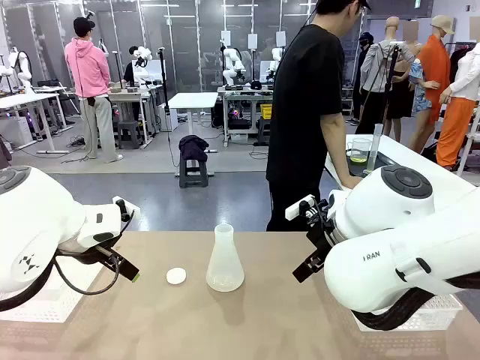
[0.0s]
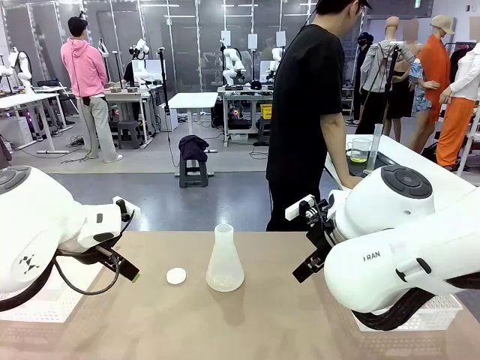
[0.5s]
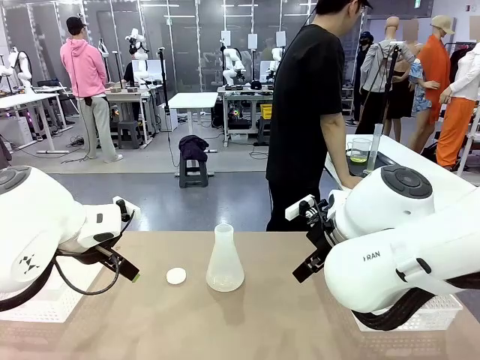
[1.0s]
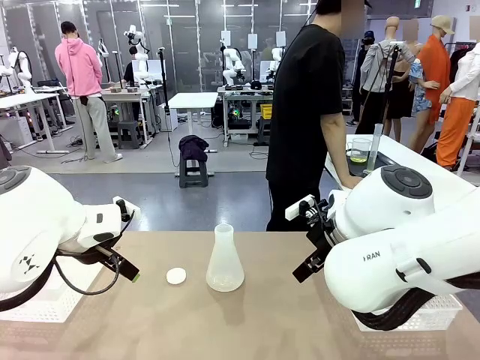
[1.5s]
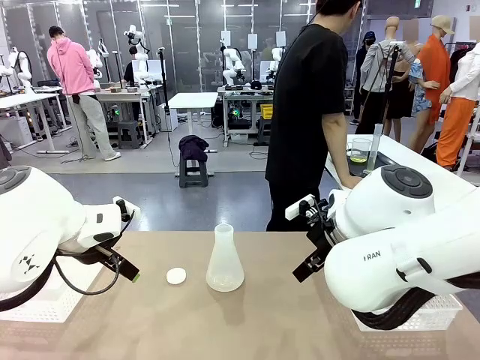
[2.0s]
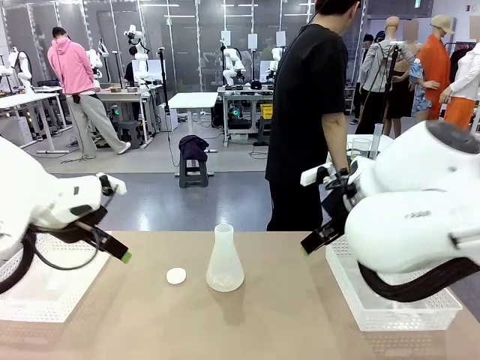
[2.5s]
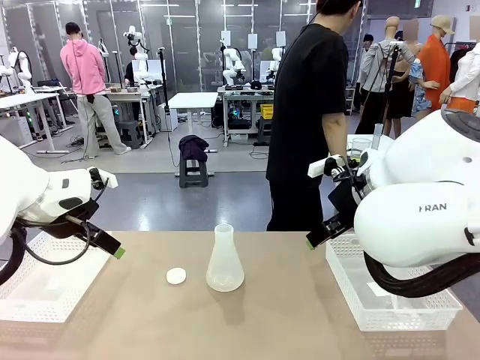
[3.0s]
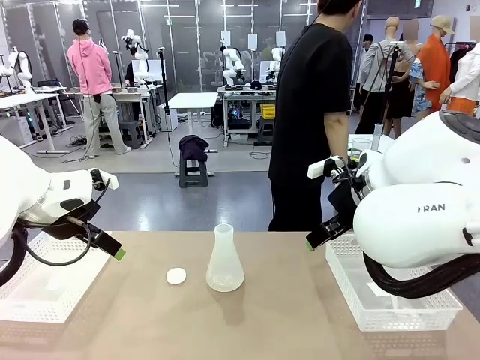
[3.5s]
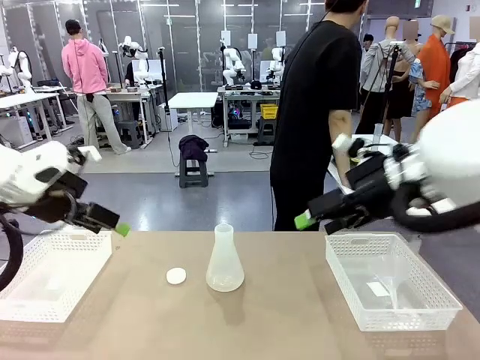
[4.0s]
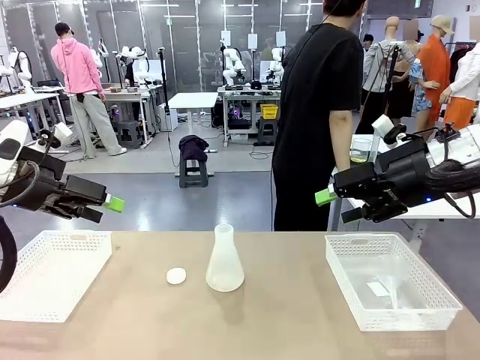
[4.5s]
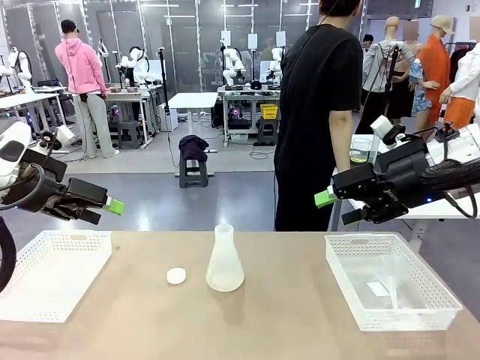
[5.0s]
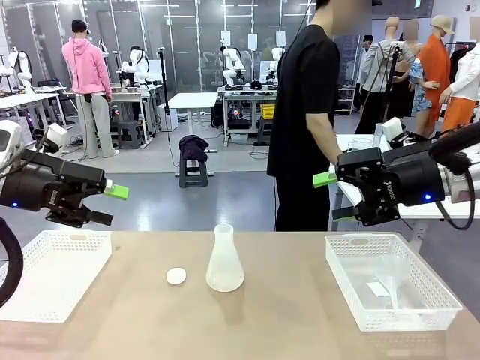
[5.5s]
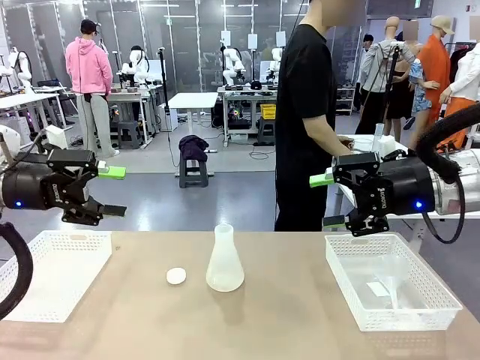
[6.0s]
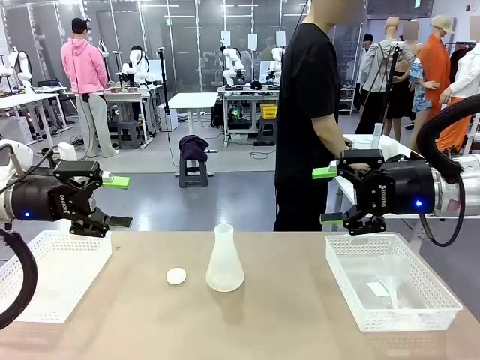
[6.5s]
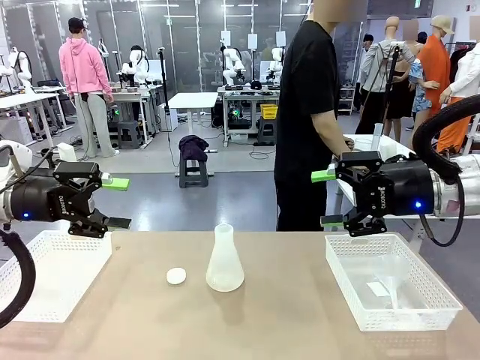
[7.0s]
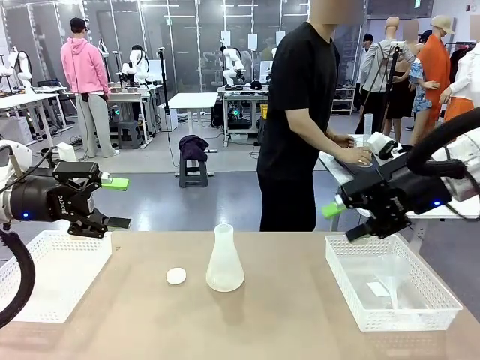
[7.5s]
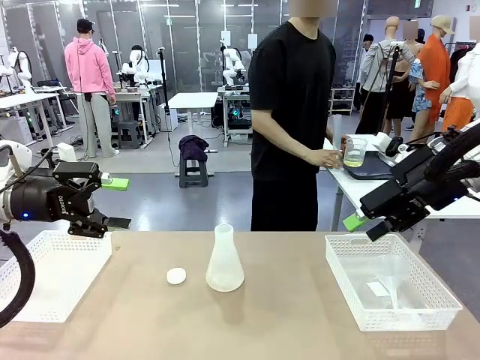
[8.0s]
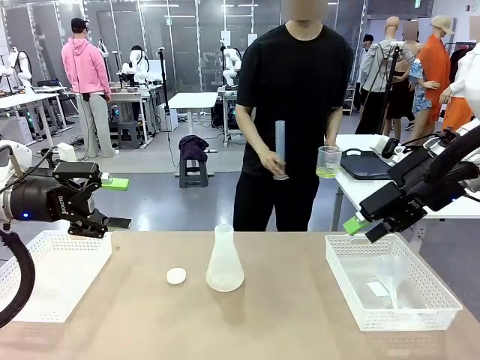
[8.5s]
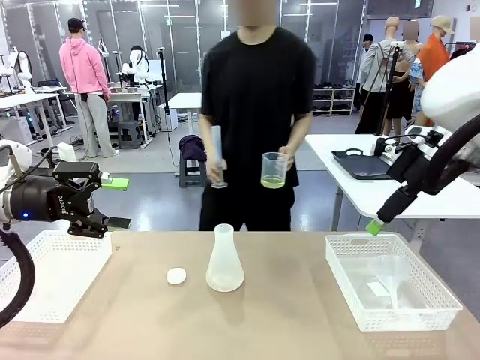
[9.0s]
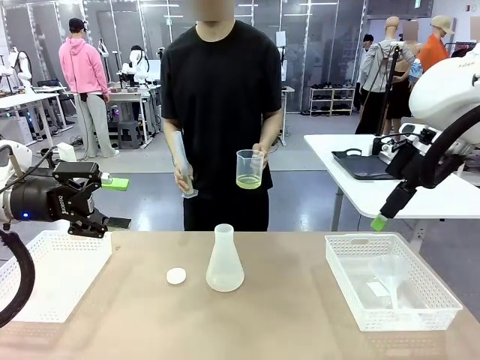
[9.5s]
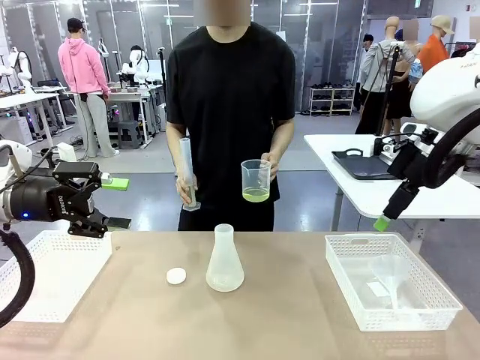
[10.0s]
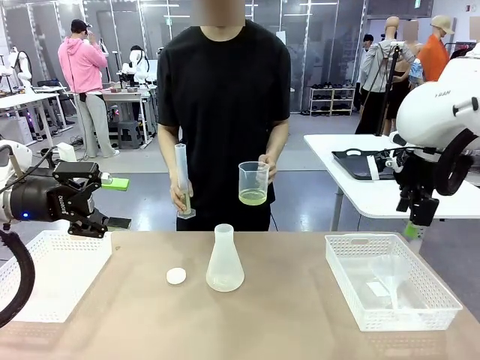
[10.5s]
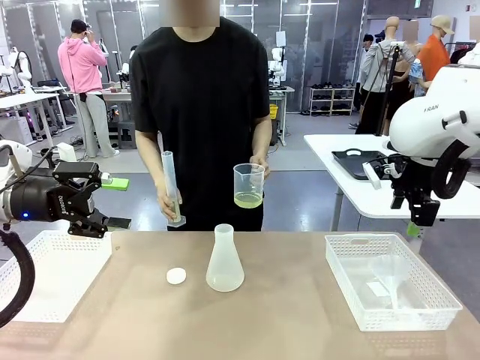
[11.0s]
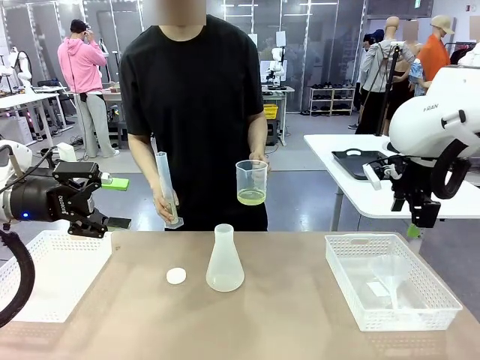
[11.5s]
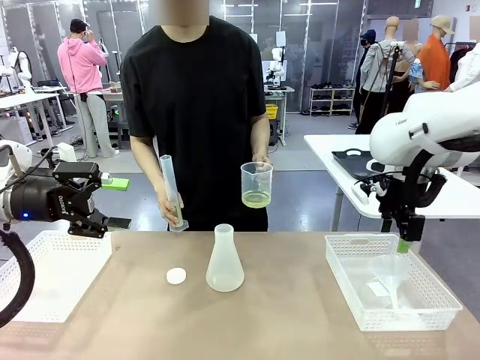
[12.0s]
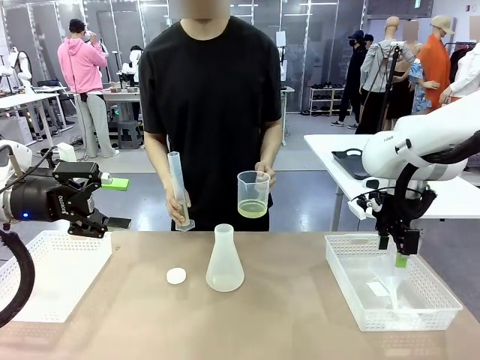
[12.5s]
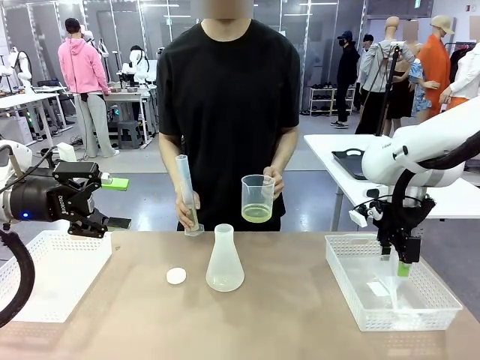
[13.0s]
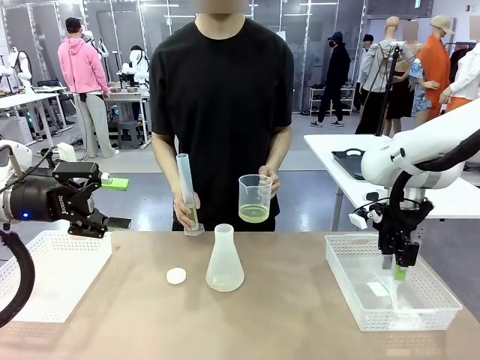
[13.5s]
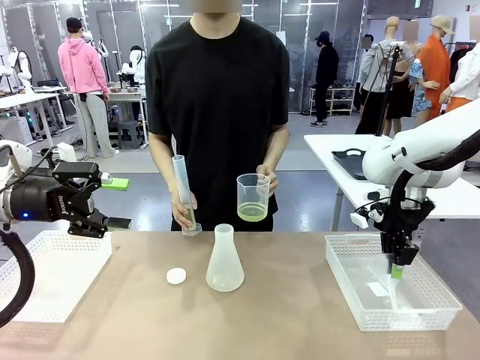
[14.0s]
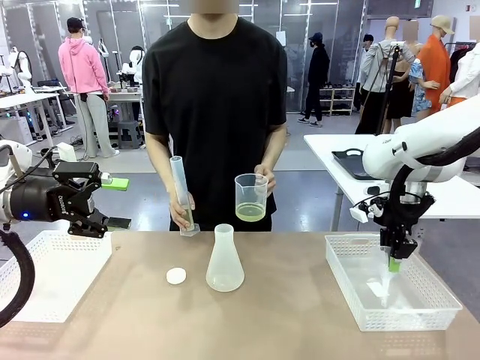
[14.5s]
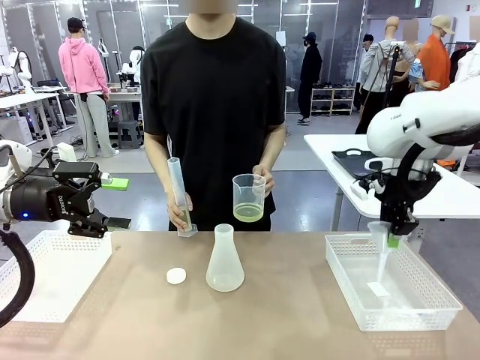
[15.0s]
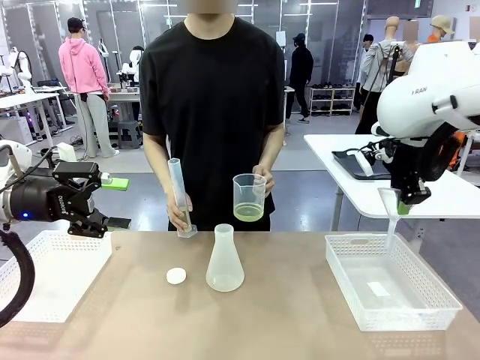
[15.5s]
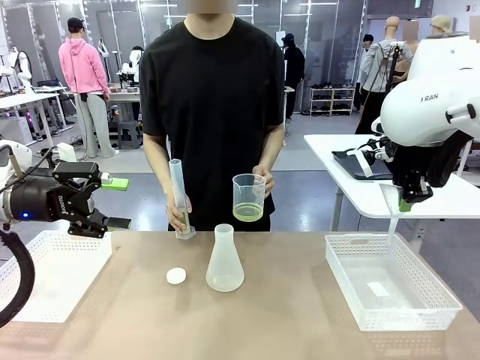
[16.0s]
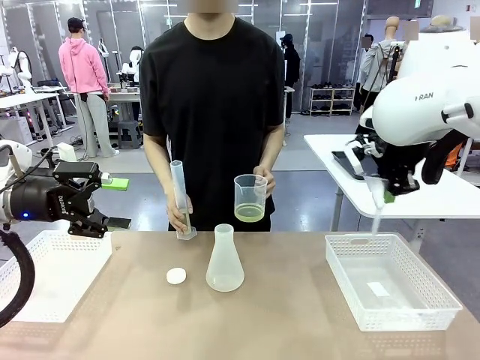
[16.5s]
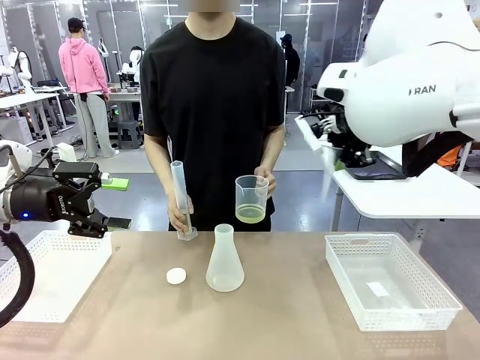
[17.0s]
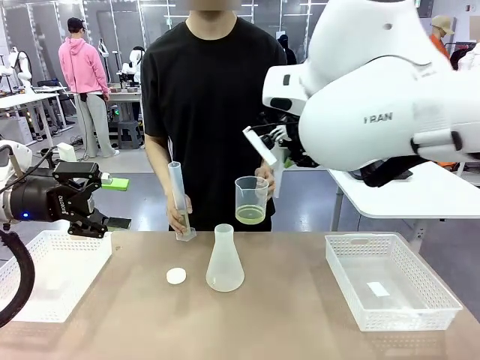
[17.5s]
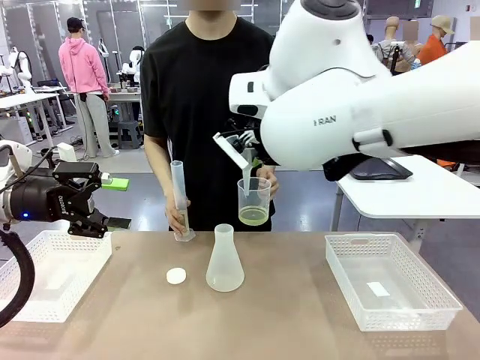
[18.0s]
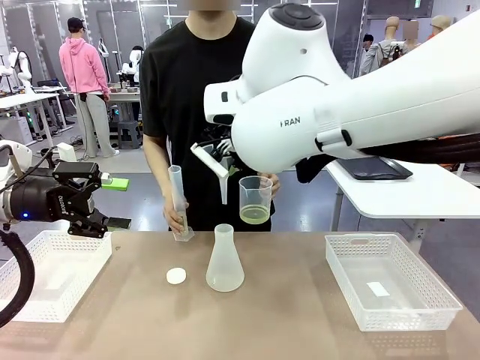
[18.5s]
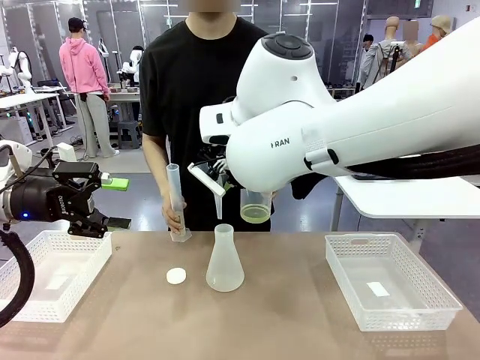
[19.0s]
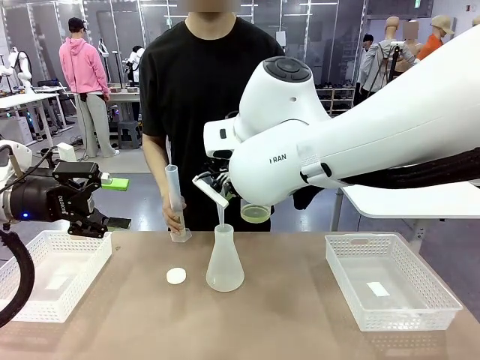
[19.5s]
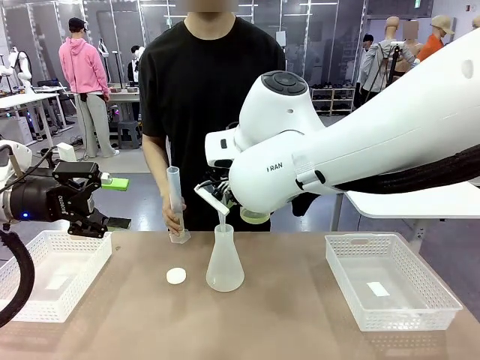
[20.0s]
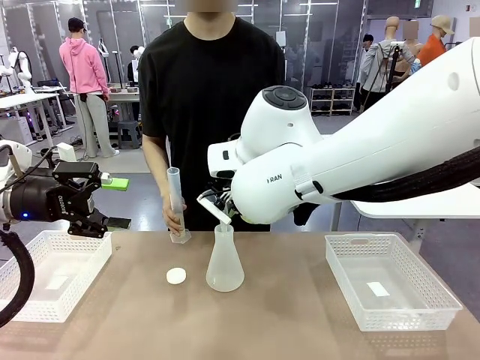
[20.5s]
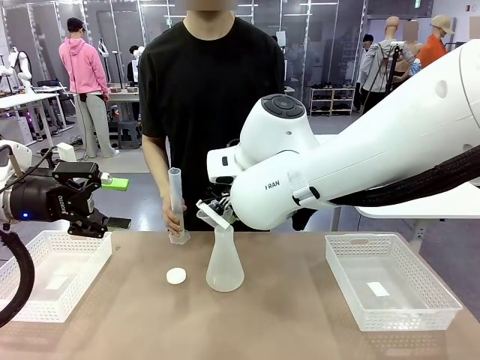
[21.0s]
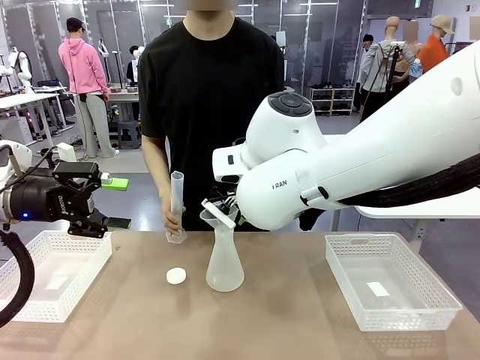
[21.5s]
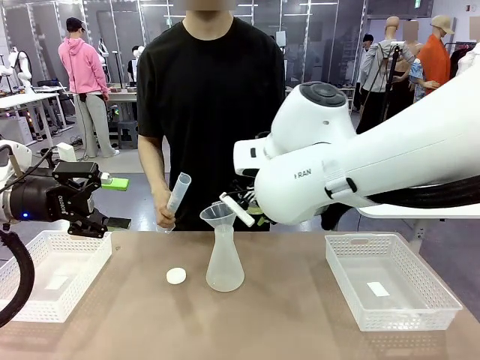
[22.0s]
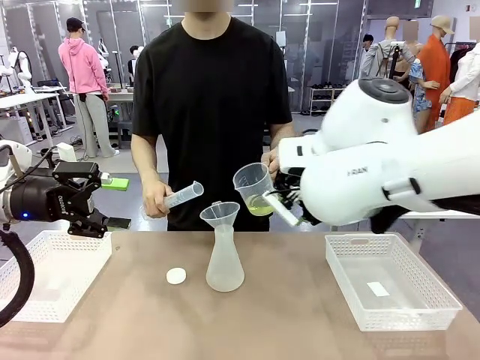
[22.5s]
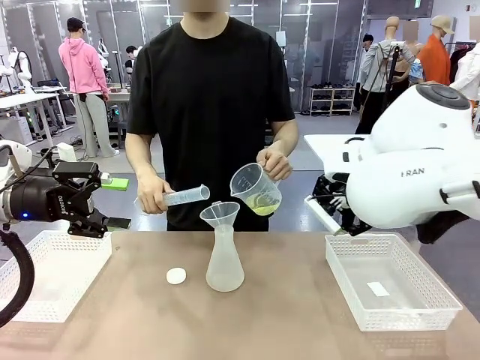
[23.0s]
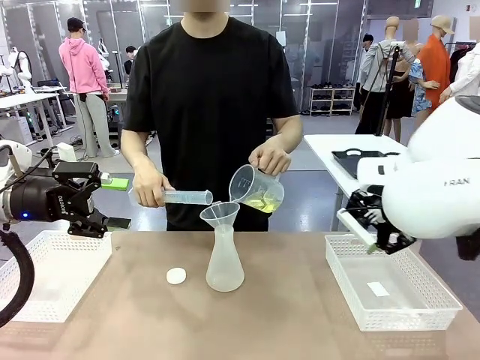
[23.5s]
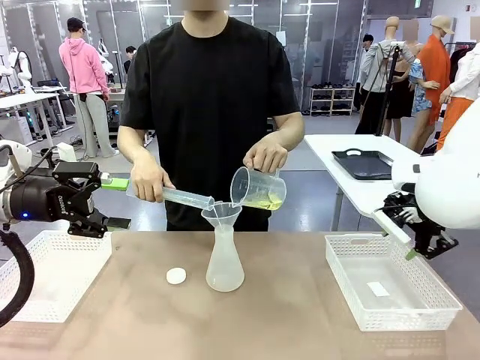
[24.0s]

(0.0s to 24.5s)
Task: Prepare the solutions needed for the experiment.
Robot: Pick up the Plastic Funnel and insert it into the Big flask.
Person: Pick up the beaker and the cylinder and move to the middle of the robot table. Pour the solution from the beaker and the cylinder into the flask.
